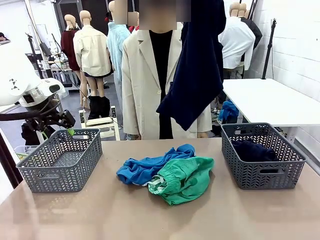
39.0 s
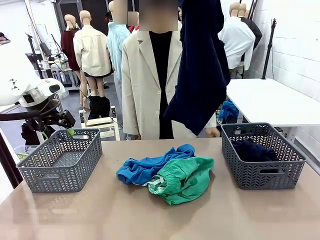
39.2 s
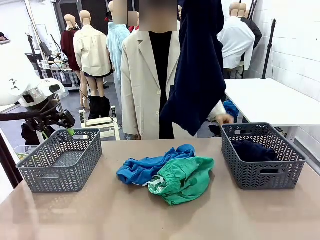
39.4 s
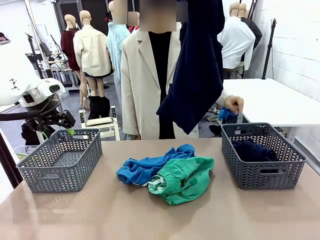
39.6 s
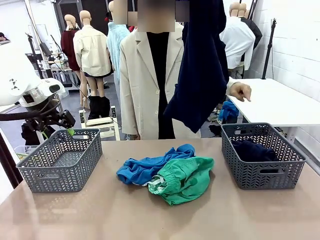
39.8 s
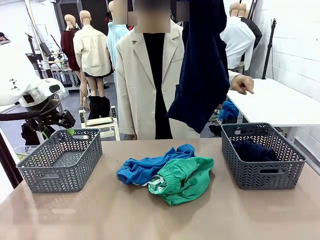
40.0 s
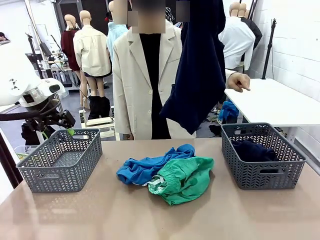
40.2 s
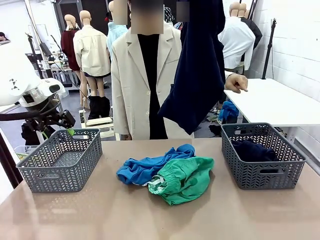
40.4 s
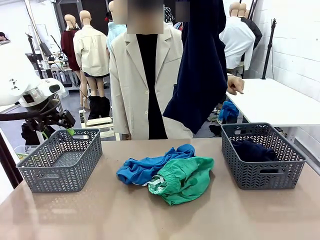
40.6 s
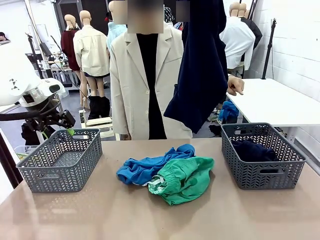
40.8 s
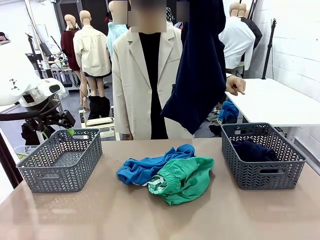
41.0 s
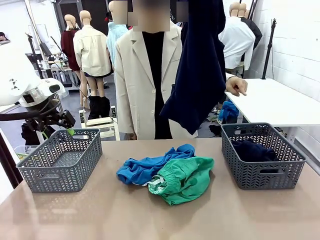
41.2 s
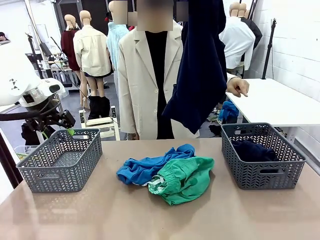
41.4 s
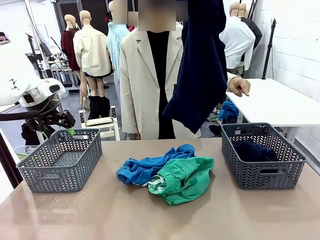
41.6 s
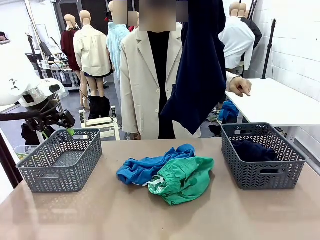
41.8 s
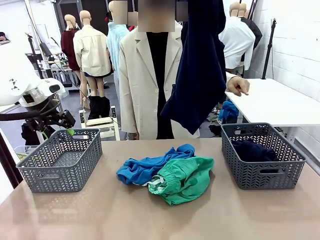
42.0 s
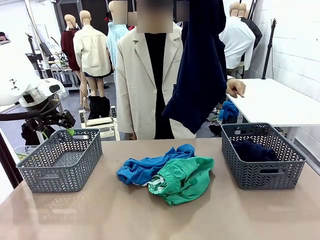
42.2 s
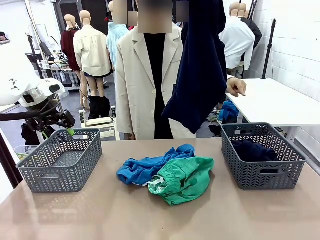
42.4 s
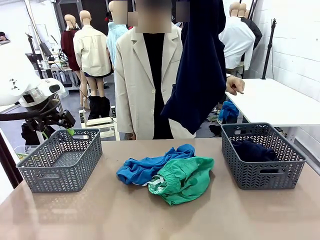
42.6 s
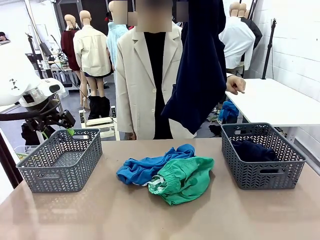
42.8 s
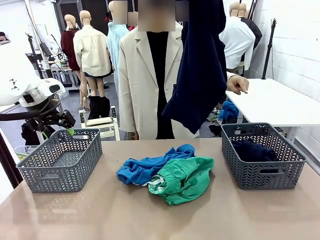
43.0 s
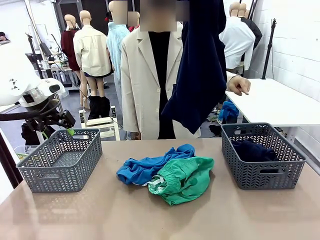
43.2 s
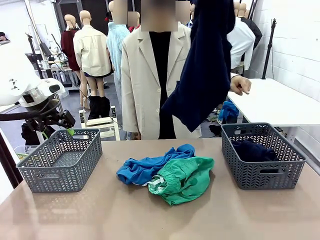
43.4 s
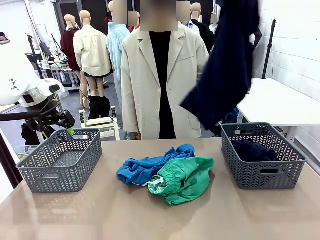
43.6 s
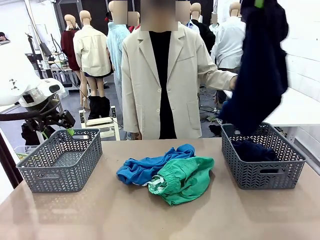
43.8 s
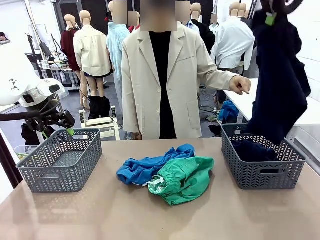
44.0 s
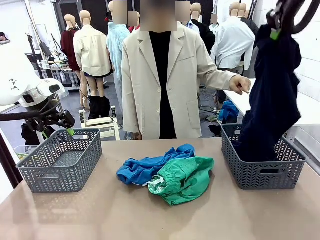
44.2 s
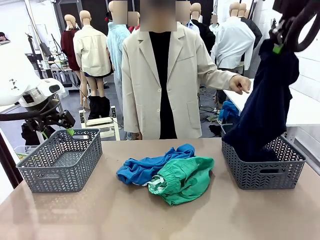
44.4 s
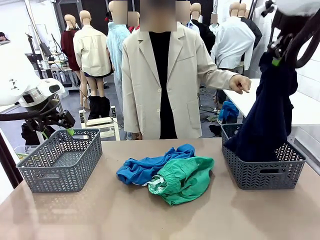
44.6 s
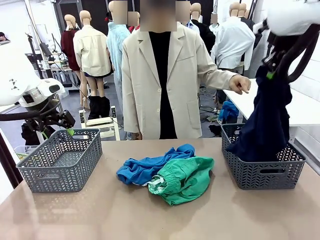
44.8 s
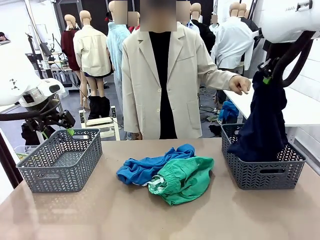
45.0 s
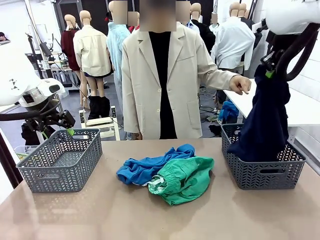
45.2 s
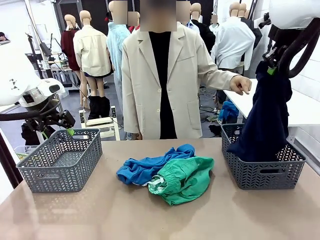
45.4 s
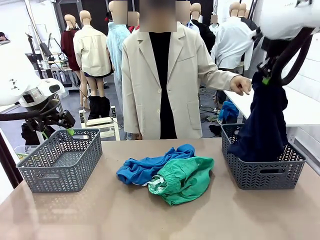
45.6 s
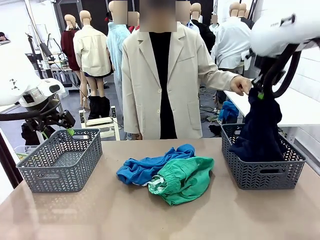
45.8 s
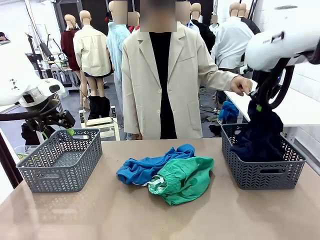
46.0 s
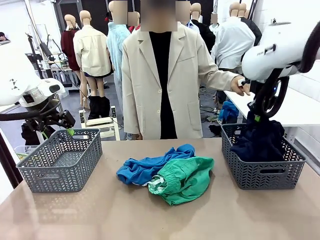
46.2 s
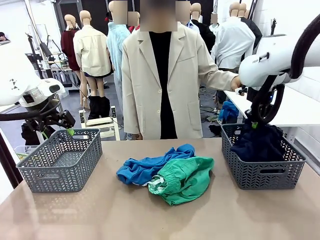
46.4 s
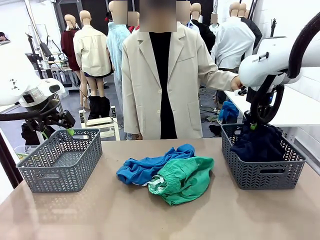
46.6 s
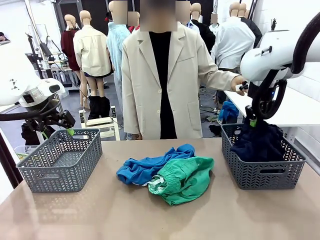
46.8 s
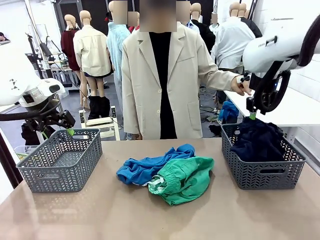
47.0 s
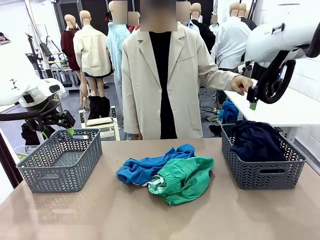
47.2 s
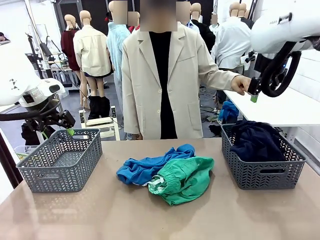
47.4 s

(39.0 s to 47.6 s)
Task: Sort the tops and bottoms.
Robot: Sort the clothes according to human instructions.

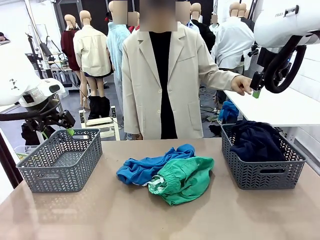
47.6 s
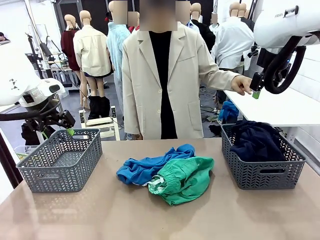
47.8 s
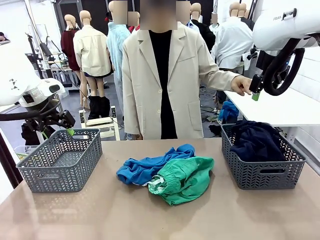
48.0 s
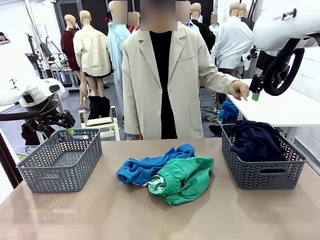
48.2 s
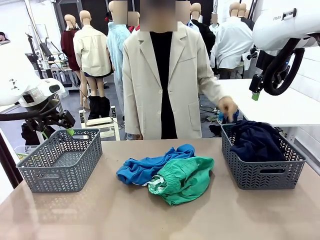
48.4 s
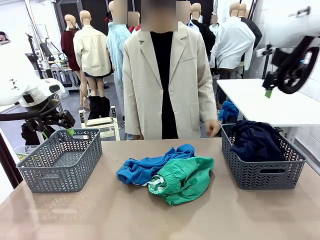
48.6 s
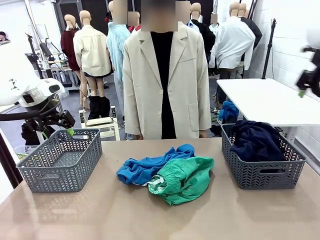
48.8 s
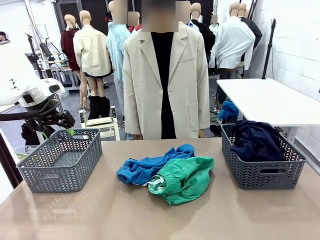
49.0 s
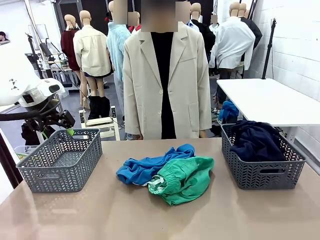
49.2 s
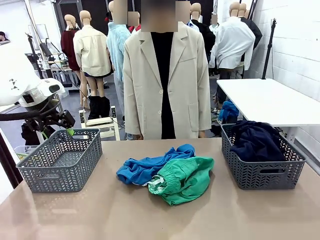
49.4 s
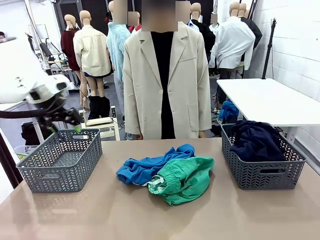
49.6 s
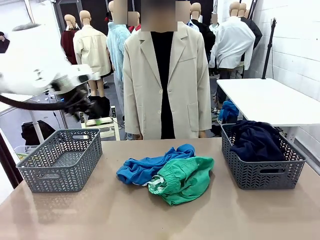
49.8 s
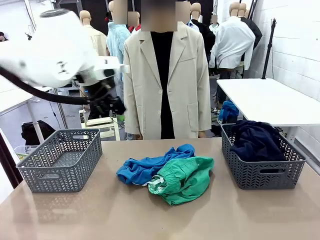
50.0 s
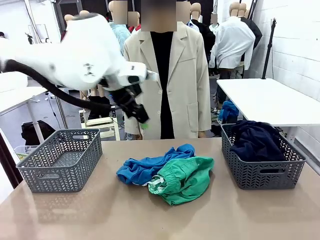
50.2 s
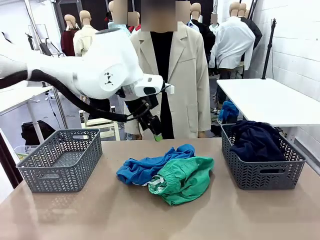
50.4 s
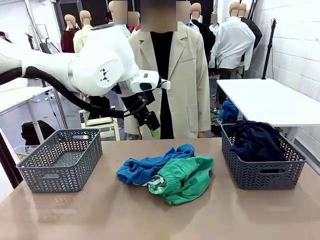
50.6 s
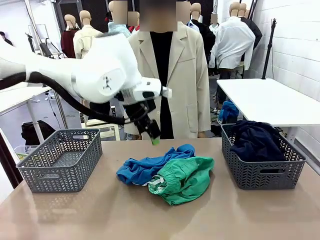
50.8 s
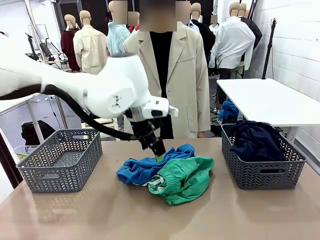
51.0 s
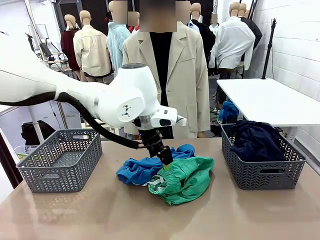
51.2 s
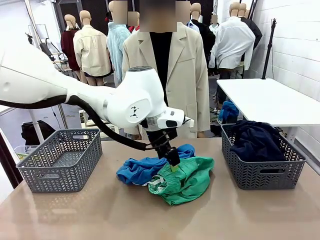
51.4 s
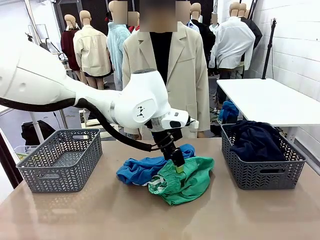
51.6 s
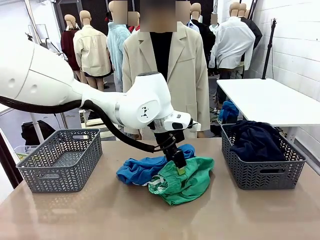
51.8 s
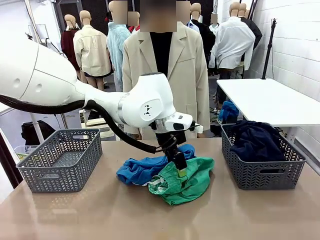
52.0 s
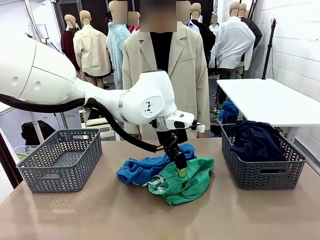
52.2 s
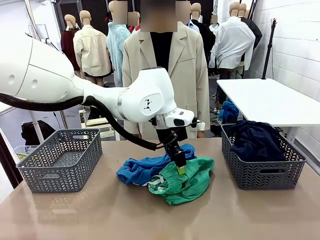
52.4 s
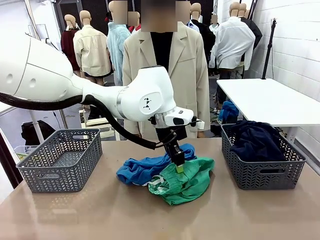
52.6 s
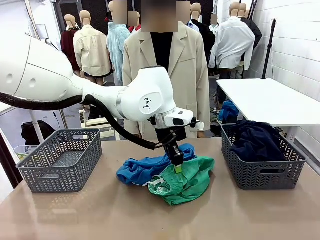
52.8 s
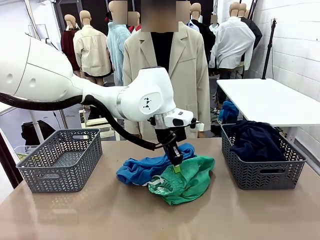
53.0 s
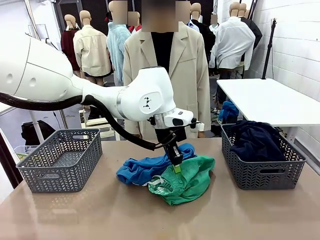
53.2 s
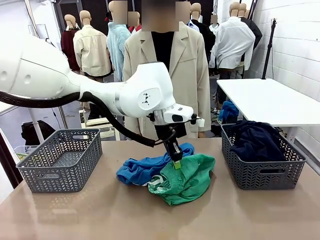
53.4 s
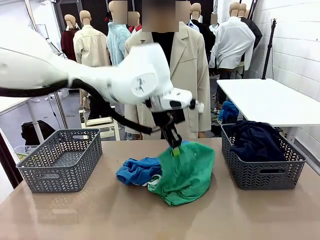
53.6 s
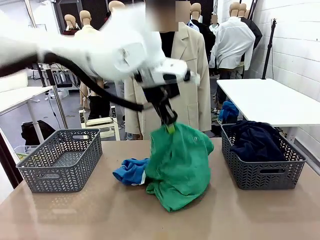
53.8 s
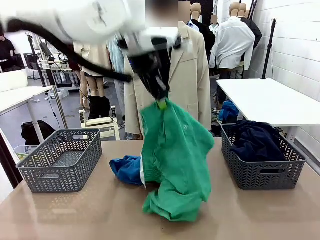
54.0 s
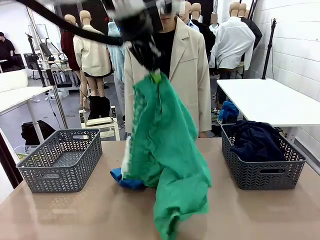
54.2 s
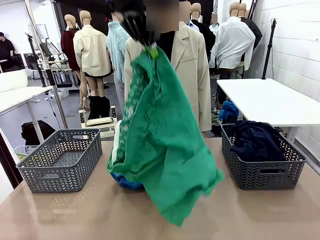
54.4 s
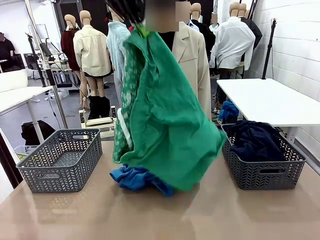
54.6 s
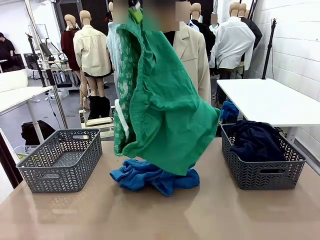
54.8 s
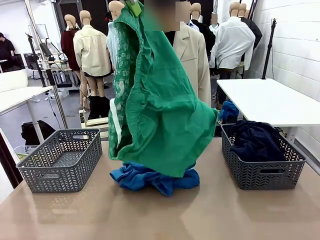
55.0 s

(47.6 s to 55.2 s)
Robot: Lift clothes from the center of the table with your left hand.
